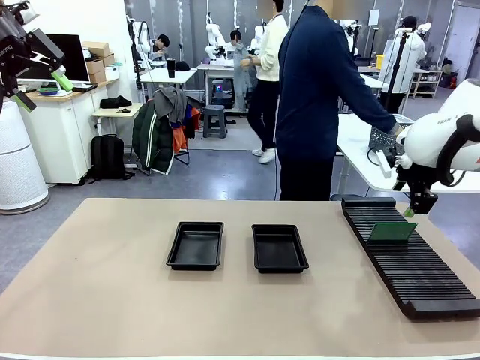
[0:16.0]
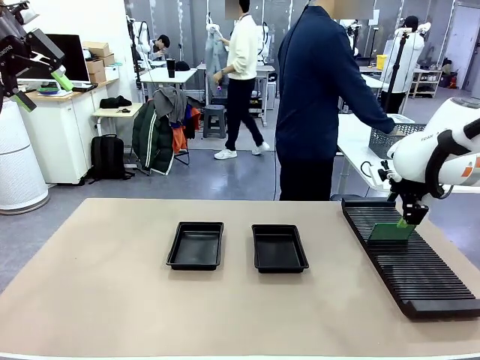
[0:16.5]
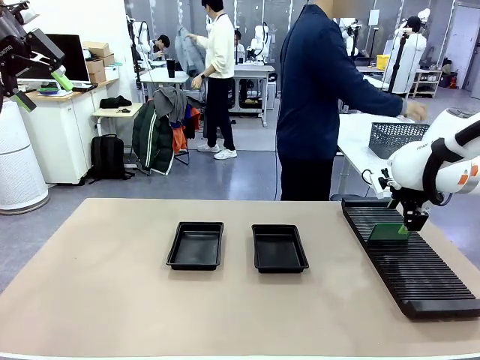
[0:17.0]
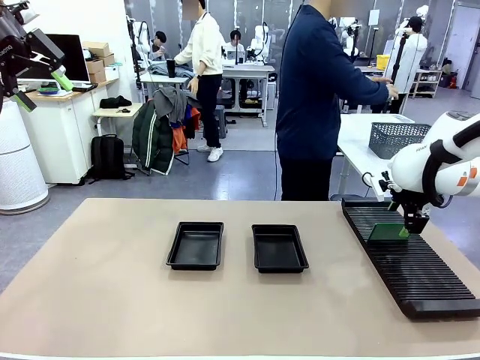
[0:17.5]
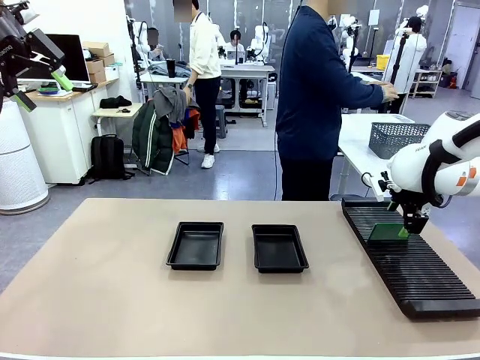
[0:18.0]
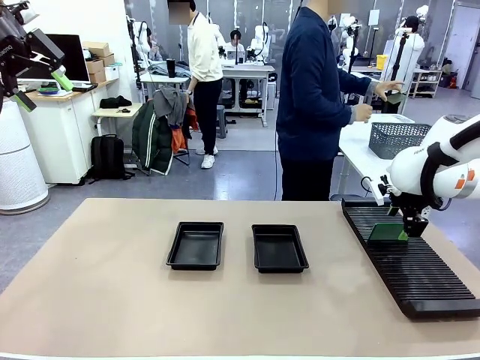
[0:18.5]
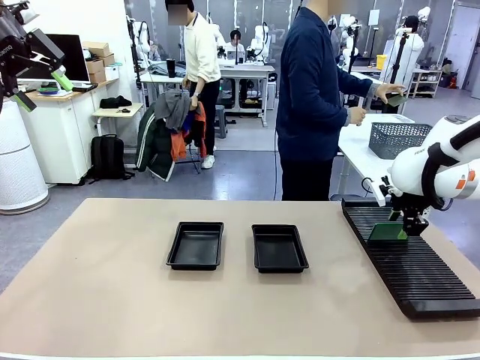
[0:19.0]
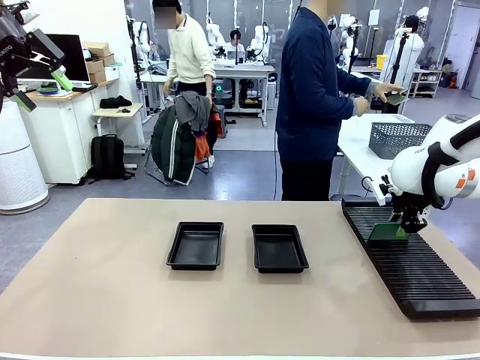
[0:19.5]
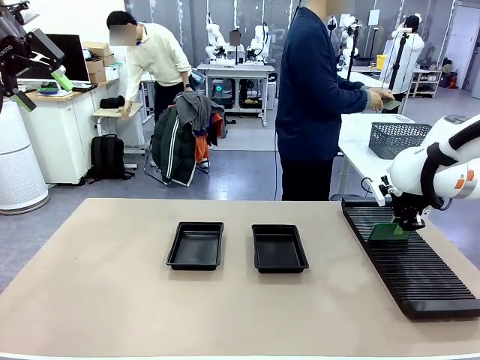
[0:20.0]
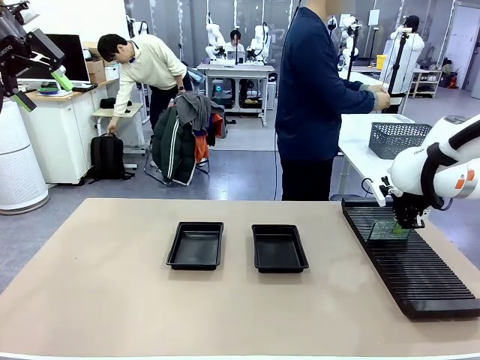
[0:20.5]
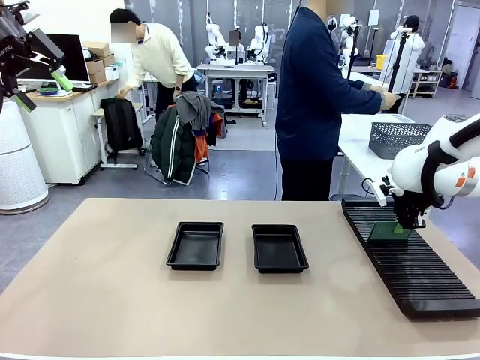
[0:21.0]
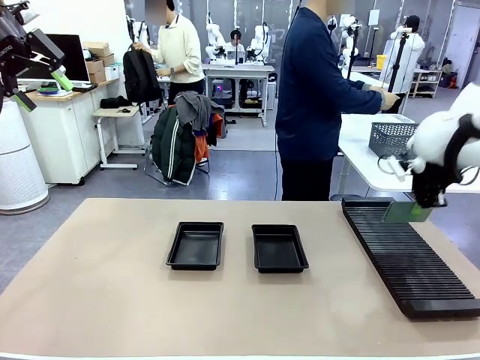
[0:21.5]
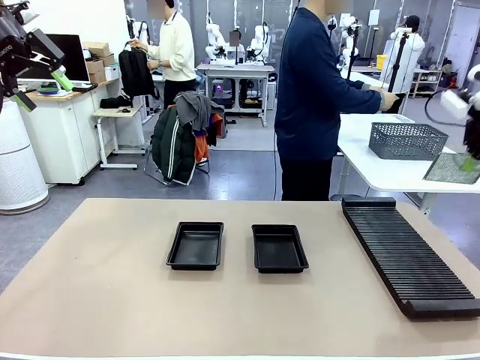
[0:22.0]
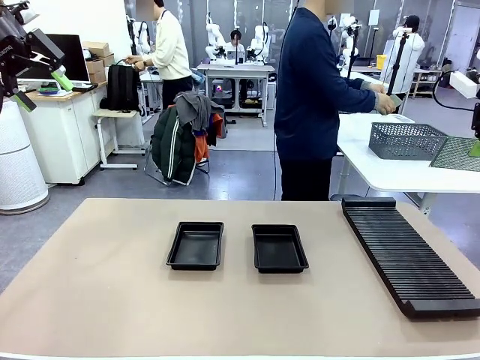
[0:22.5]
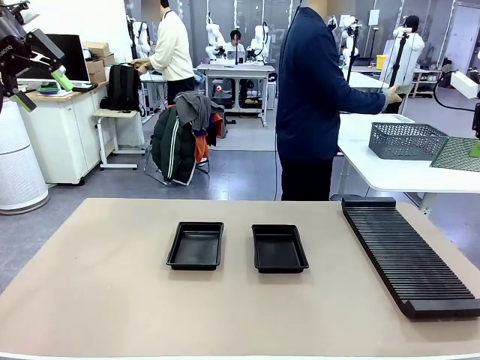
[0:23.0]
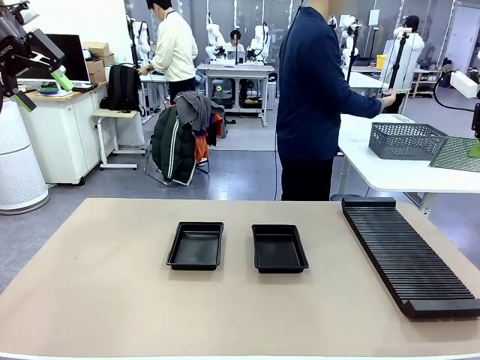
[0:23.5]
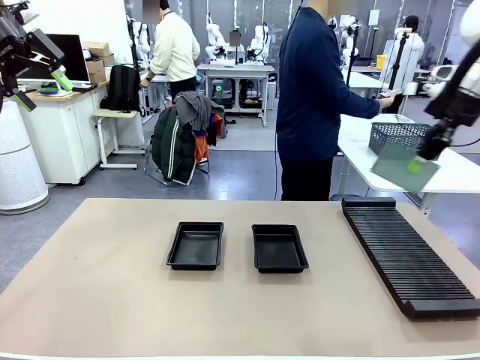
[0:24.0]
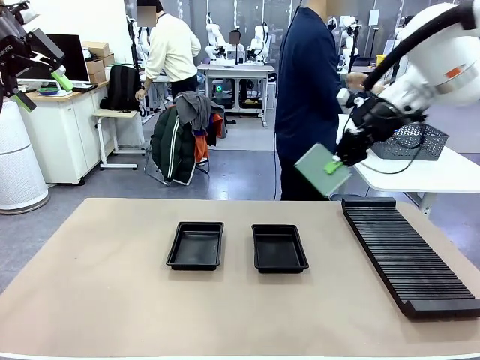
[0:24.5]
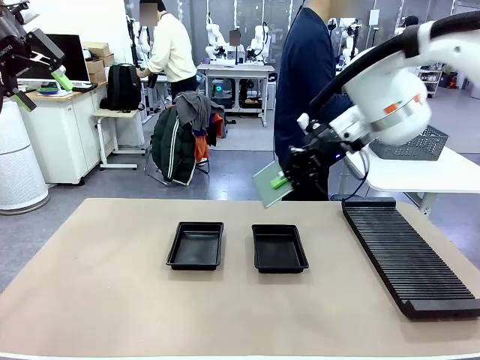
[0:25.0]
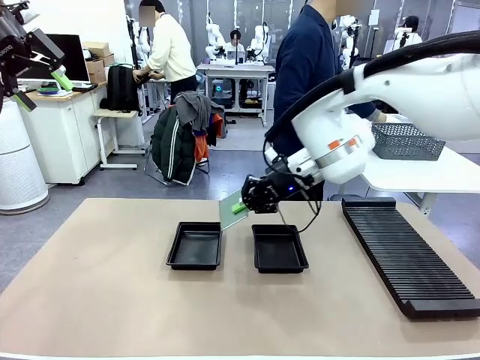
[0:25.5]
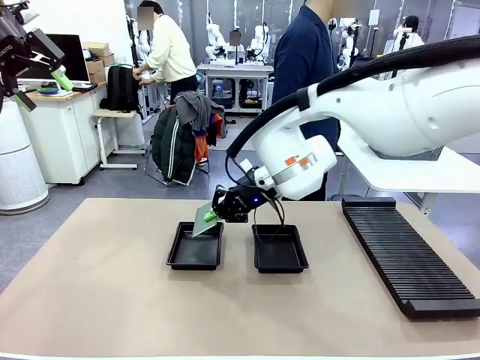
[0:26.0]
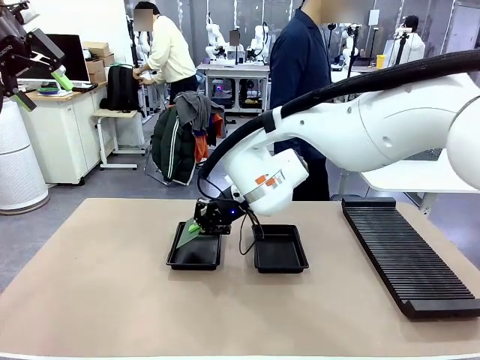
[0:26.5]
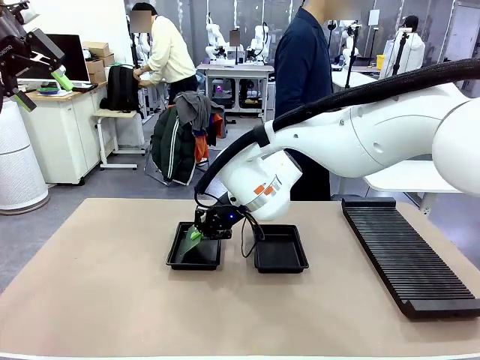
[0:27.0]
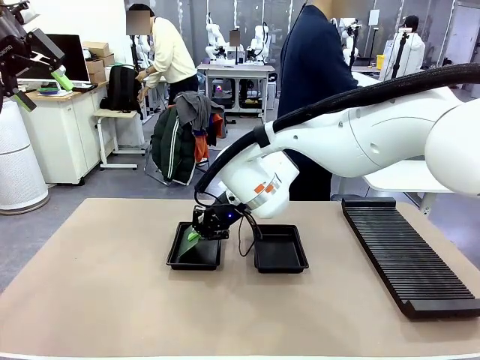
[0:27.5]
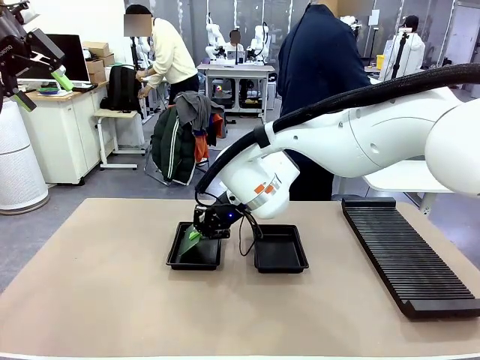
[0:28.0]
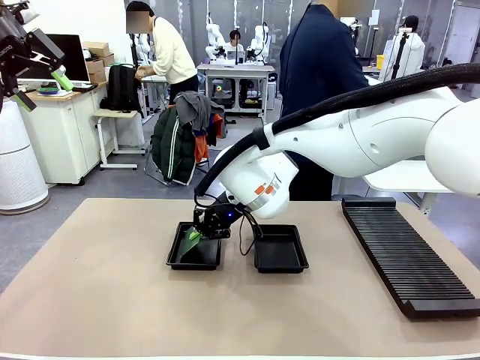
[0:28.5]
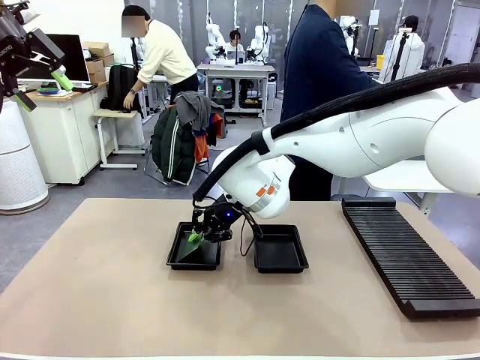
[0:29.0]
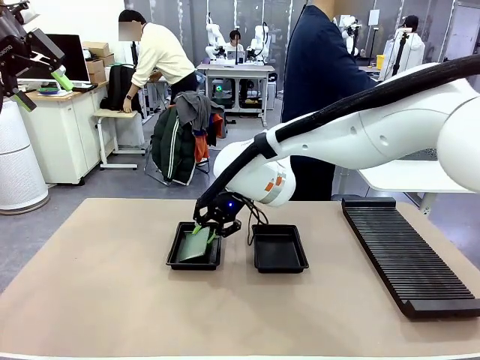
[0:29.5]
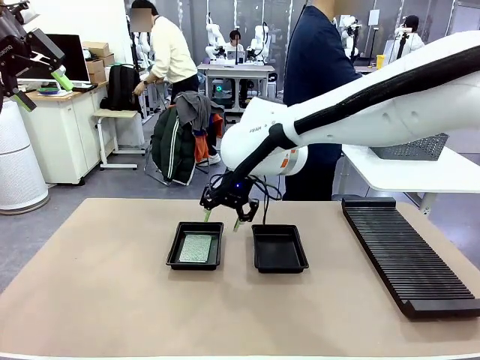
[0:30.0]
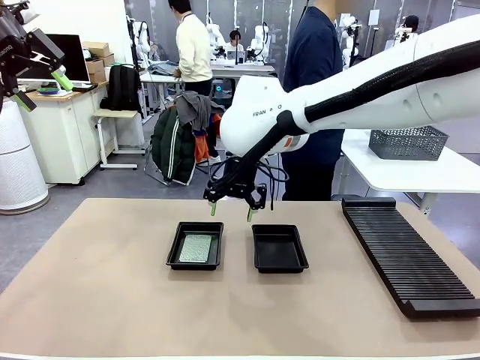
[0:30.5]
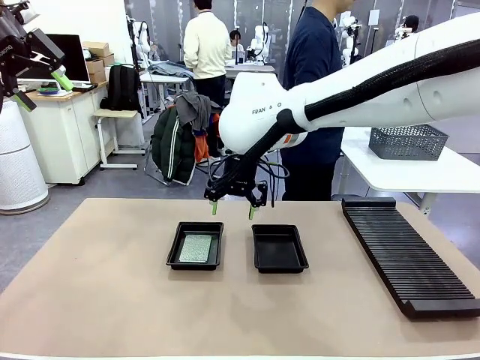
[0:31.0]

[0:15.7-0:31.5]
Task: Inspect and transfer BCBs to ESD trays.
Robot: Pick up the Blank PCB from the PCB Rack and place it in the left ESD tray.

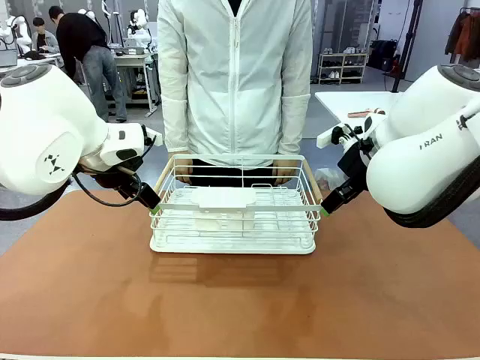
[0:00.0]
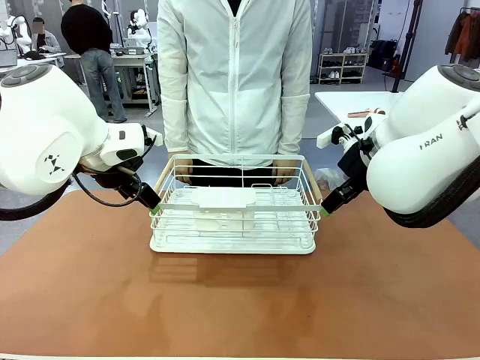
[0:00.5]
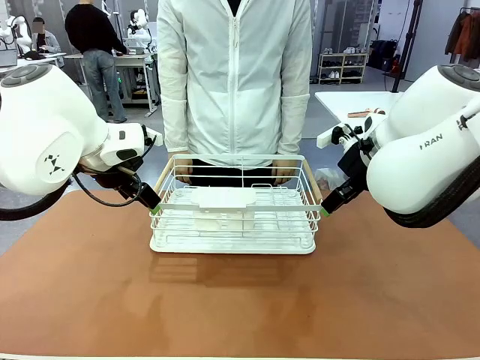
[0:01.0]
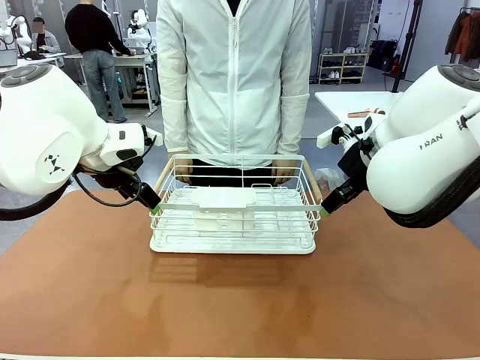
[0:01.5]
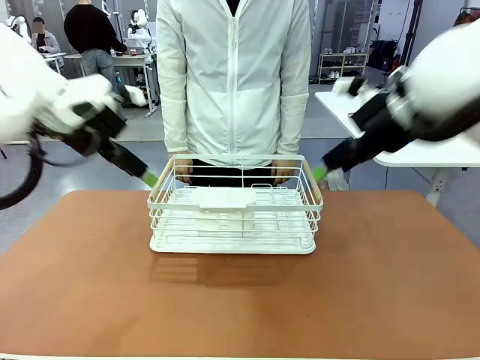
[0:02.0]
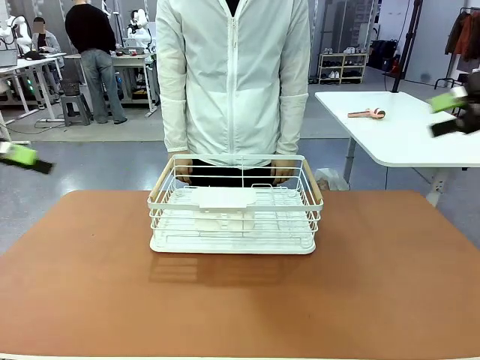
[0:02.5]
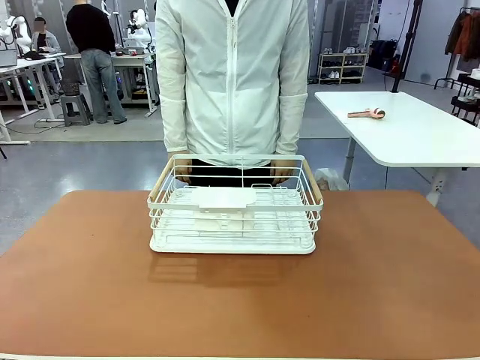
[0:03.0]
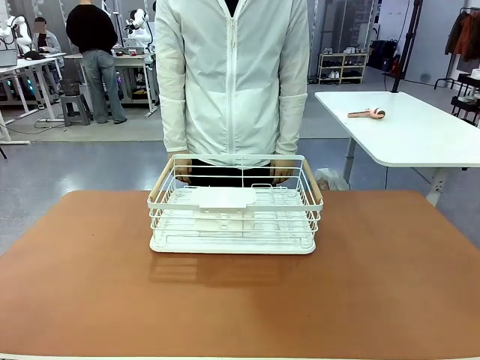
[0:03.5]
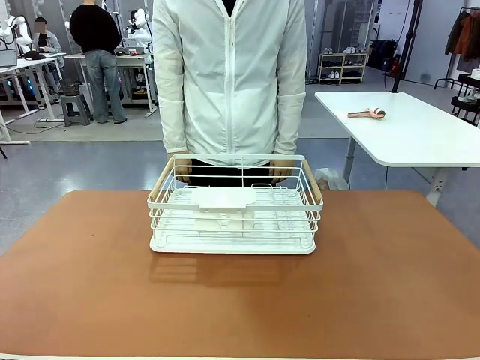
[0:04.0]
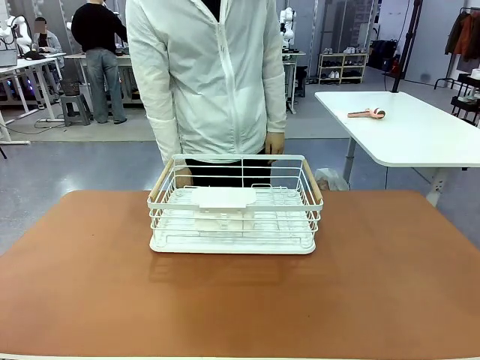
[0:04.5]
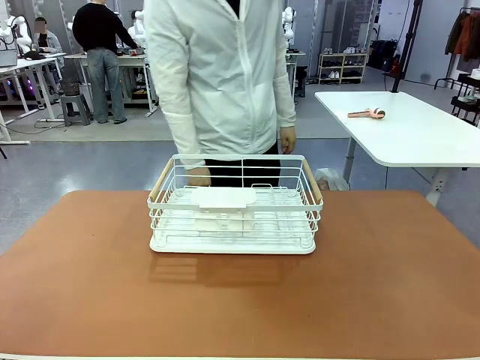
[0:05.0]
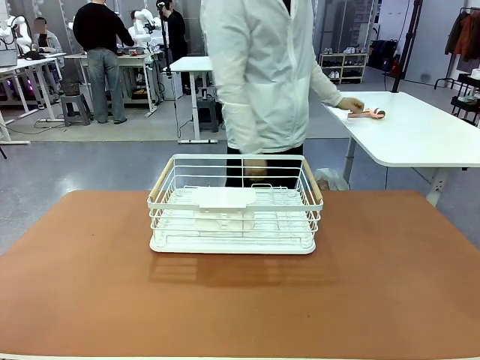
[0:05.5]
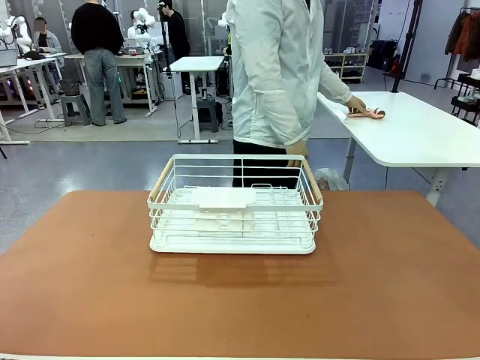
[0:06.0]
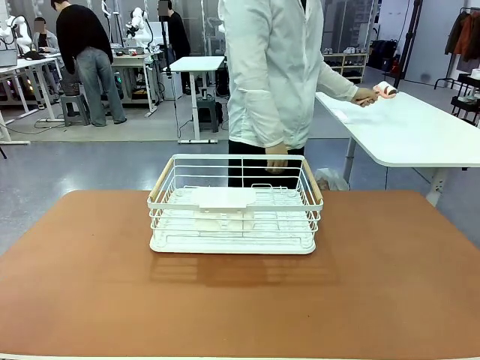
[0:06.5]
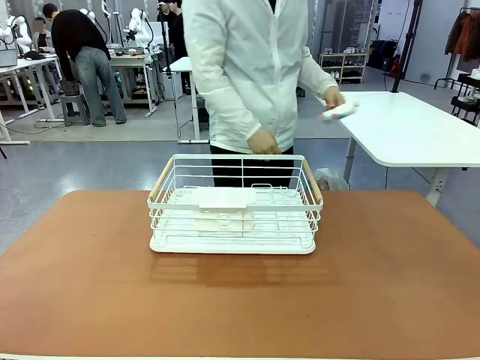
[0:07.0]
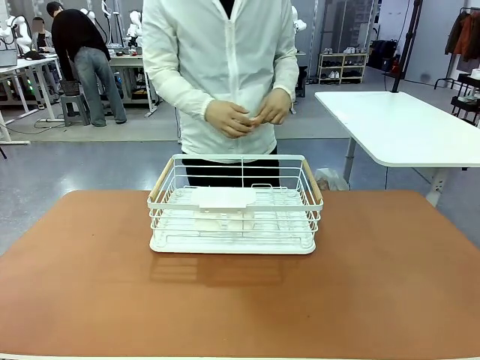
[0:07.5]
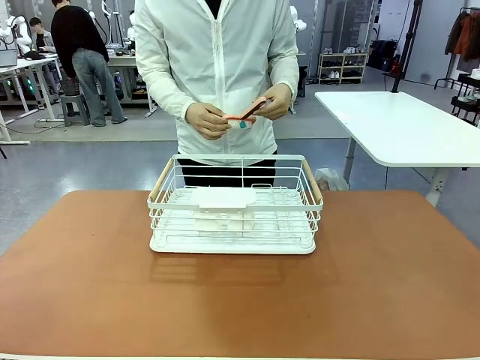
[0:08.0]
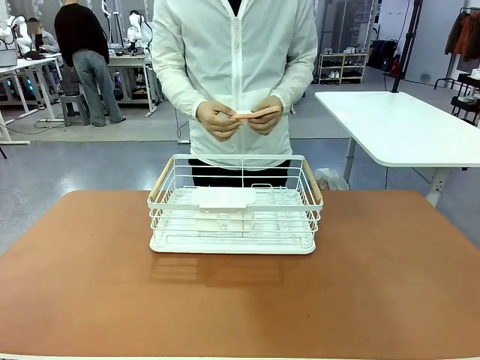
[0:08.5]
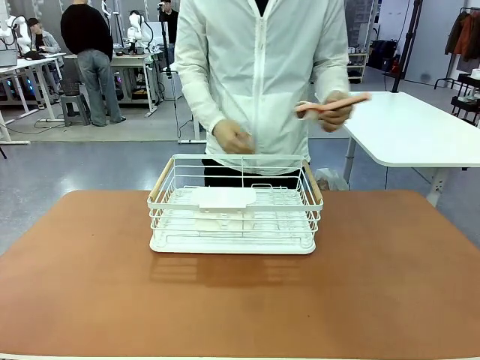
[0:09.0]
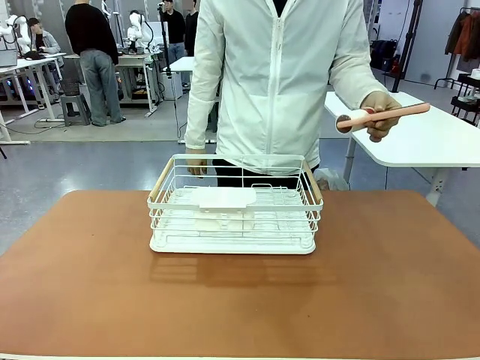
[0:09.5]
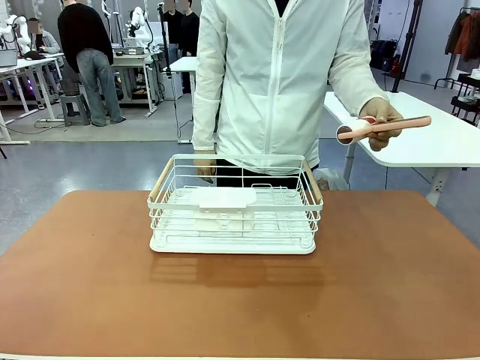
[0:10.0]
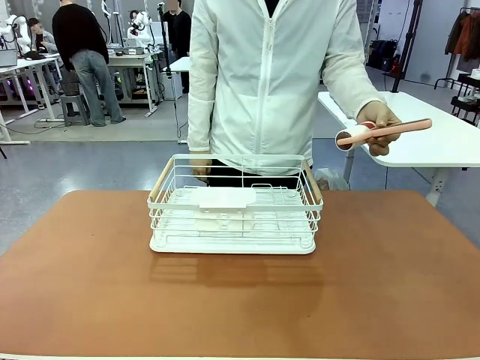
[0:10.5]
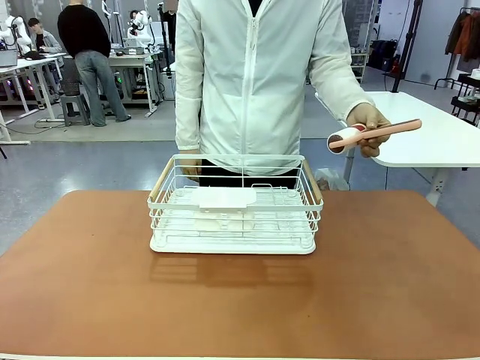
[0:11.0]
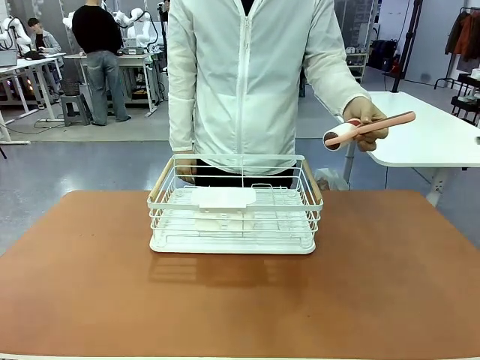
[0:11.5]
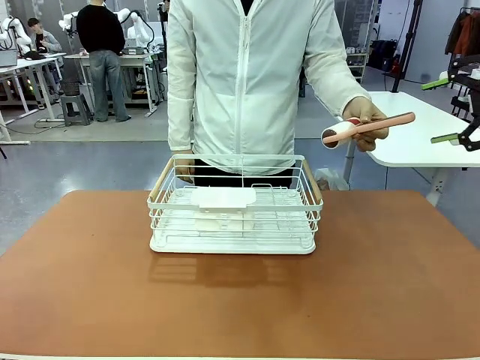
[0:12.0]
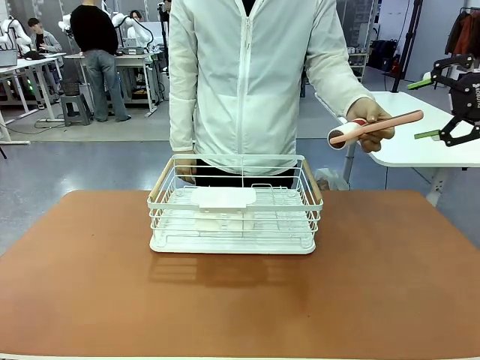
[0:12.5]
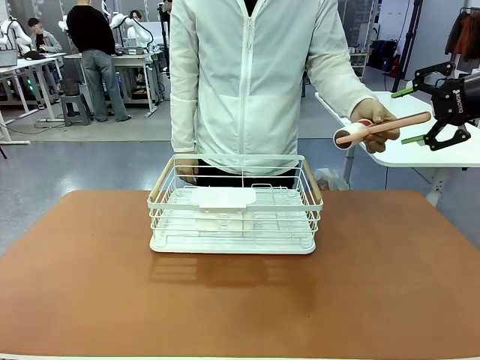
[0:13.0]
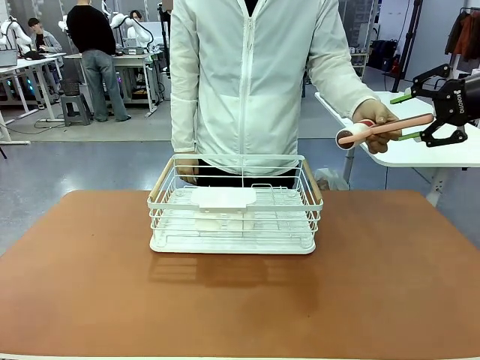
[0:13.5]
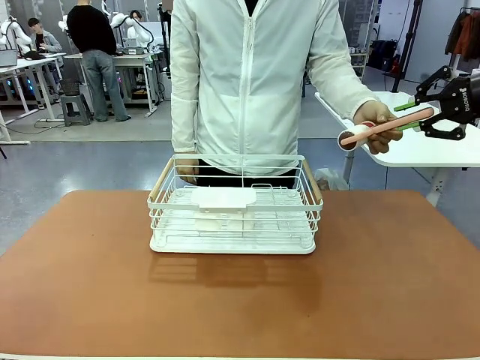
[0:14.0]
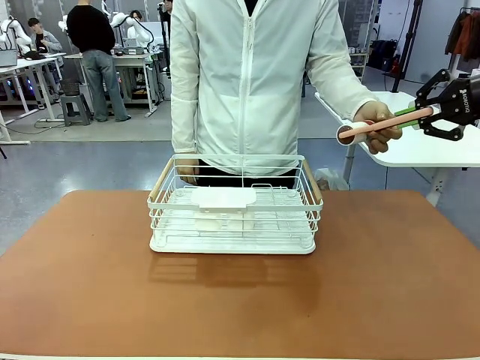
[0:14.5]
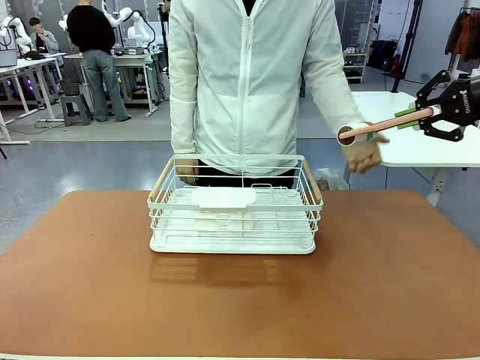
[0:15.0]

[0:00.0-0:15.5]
Task: Clean the table.
Robot: Pick up the Lint Roller when the human hands it over.
Person: Hand the Lint Roller to the robot so it can easily pick it up. Lift the Dish drying rack.
